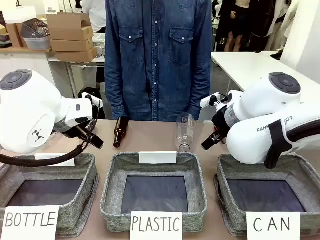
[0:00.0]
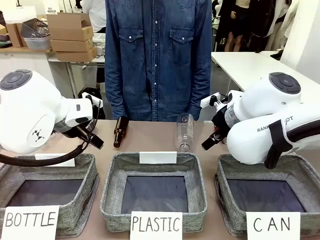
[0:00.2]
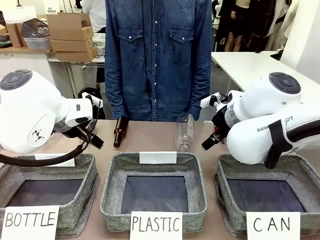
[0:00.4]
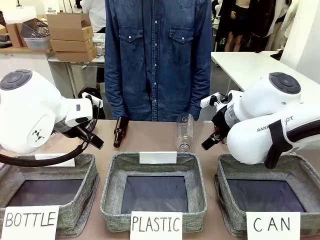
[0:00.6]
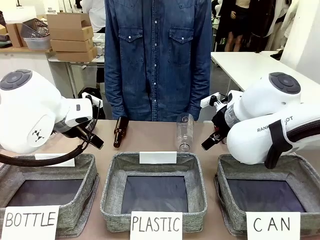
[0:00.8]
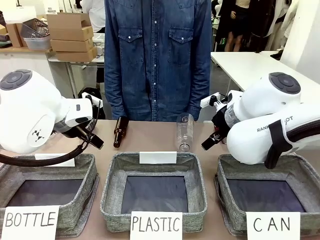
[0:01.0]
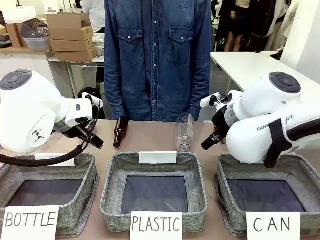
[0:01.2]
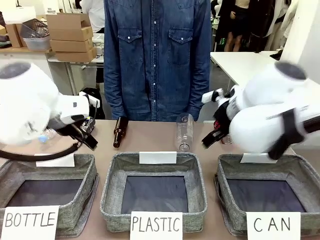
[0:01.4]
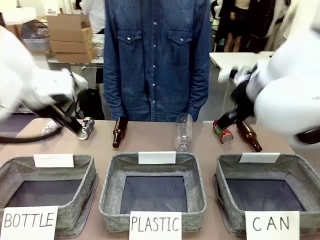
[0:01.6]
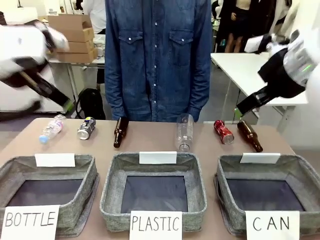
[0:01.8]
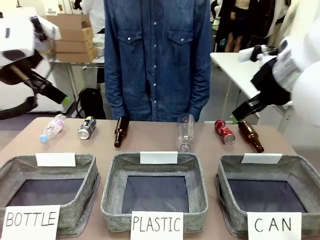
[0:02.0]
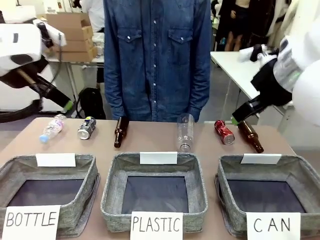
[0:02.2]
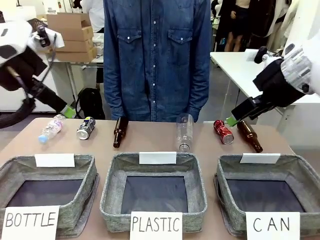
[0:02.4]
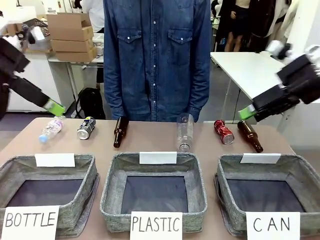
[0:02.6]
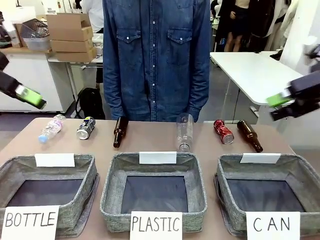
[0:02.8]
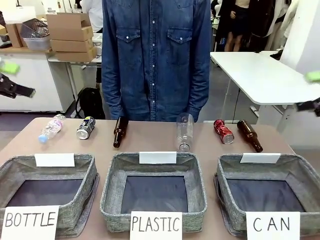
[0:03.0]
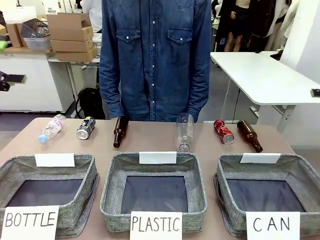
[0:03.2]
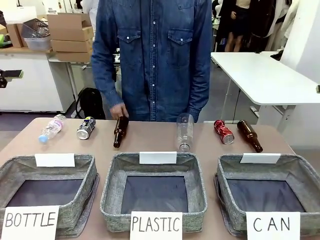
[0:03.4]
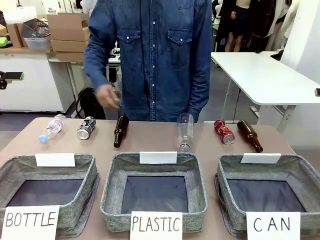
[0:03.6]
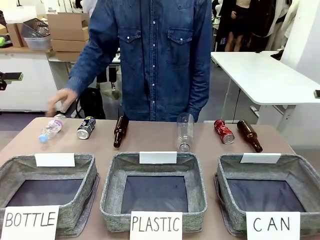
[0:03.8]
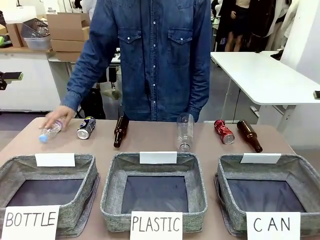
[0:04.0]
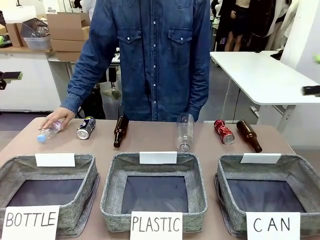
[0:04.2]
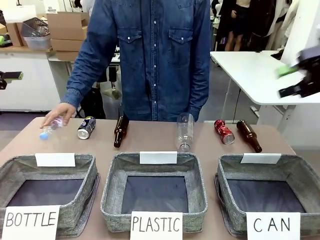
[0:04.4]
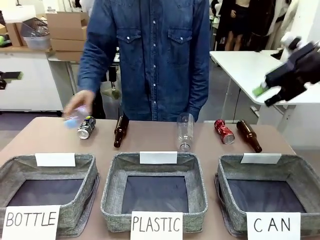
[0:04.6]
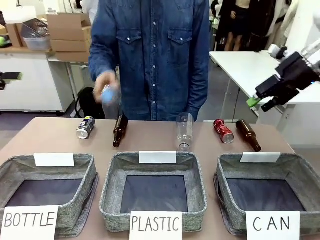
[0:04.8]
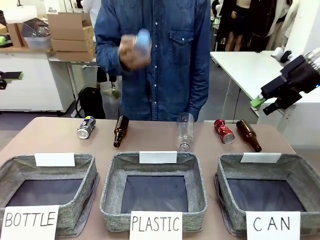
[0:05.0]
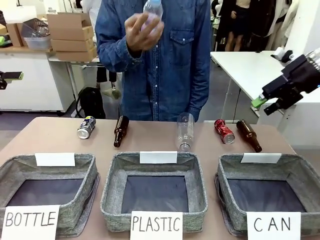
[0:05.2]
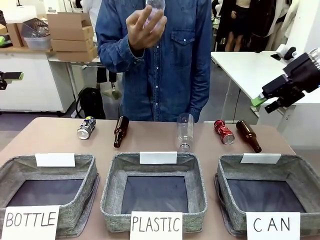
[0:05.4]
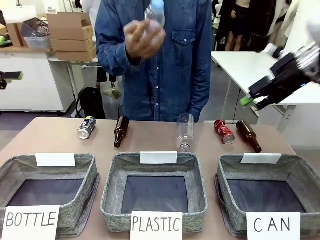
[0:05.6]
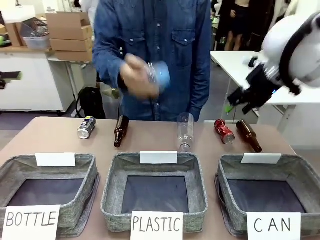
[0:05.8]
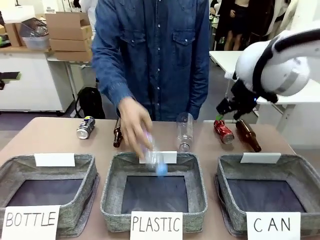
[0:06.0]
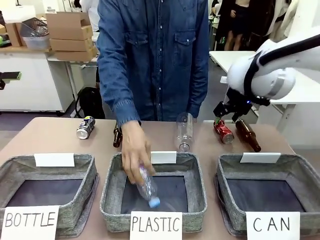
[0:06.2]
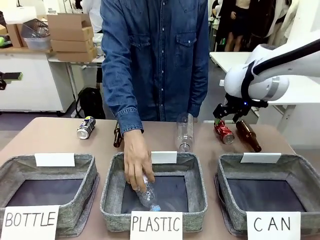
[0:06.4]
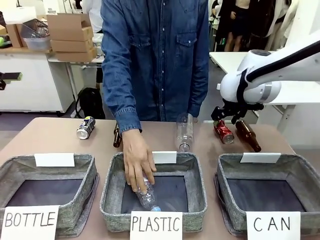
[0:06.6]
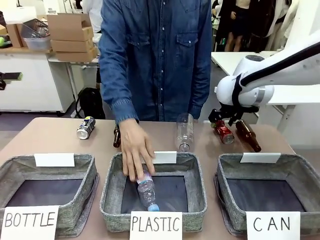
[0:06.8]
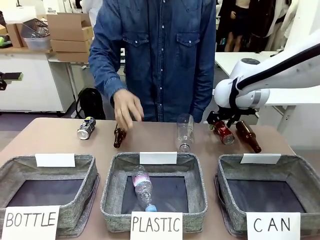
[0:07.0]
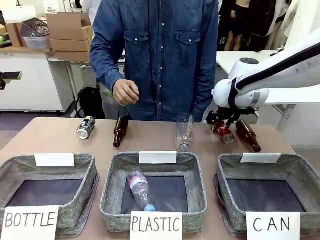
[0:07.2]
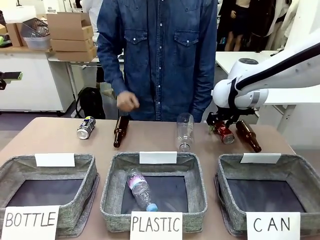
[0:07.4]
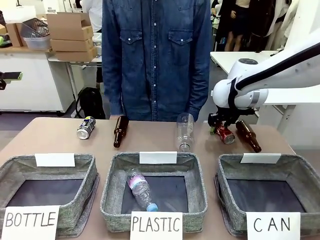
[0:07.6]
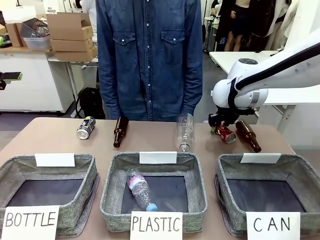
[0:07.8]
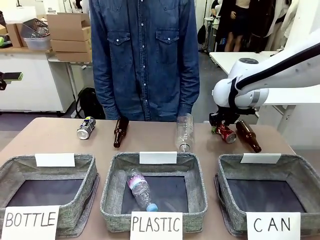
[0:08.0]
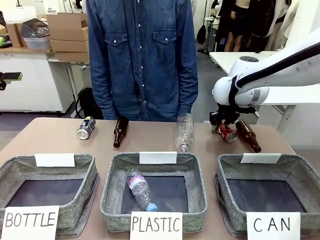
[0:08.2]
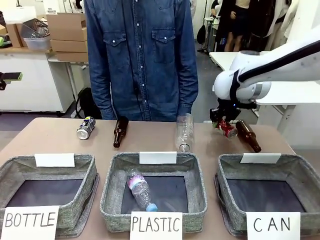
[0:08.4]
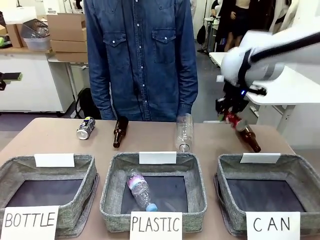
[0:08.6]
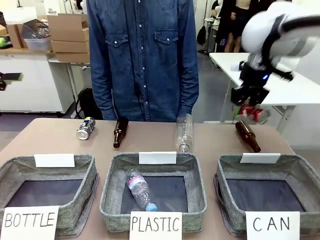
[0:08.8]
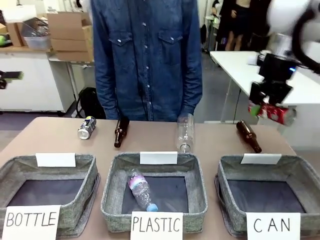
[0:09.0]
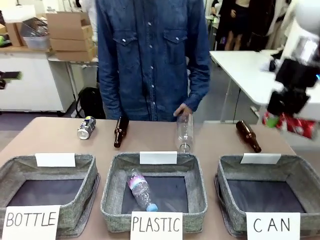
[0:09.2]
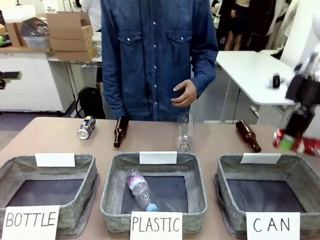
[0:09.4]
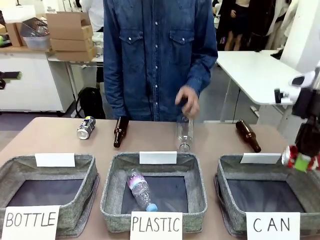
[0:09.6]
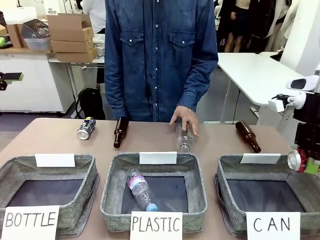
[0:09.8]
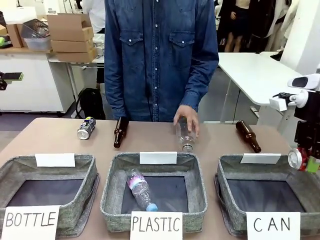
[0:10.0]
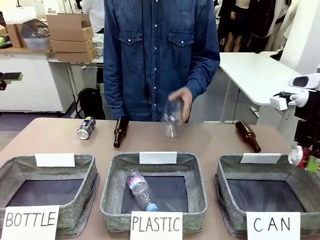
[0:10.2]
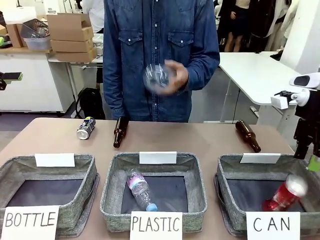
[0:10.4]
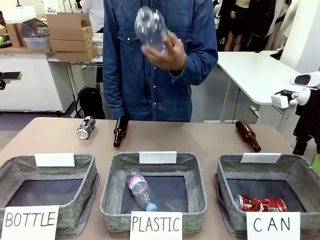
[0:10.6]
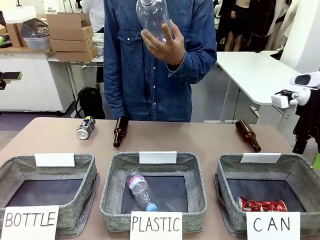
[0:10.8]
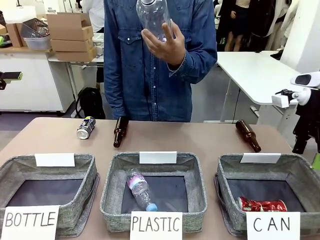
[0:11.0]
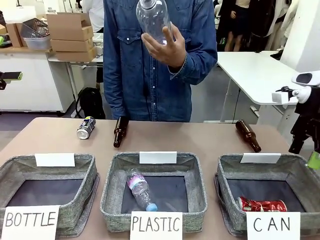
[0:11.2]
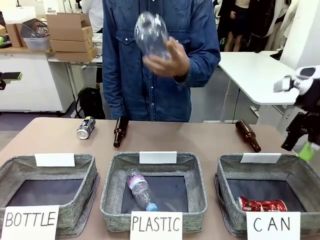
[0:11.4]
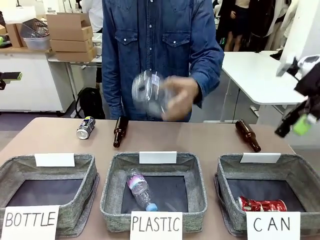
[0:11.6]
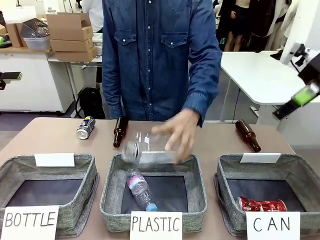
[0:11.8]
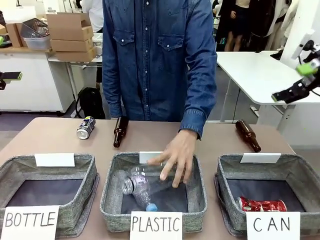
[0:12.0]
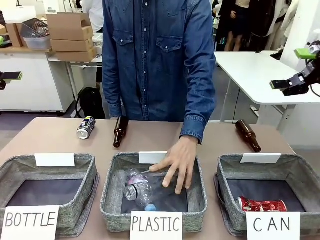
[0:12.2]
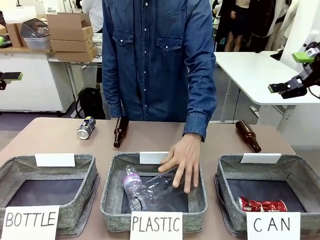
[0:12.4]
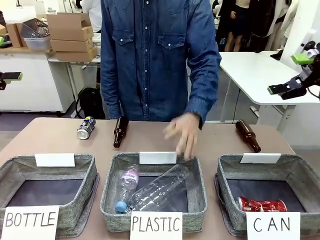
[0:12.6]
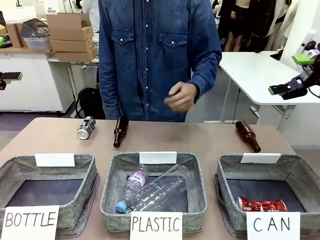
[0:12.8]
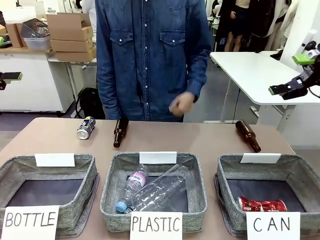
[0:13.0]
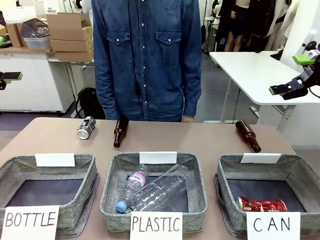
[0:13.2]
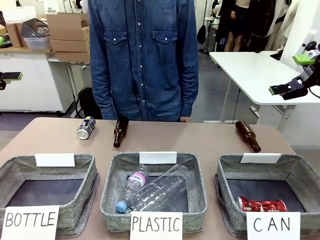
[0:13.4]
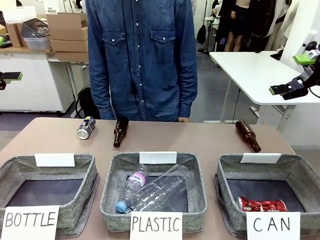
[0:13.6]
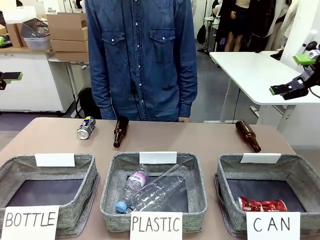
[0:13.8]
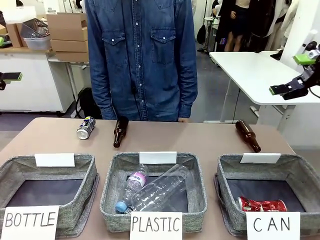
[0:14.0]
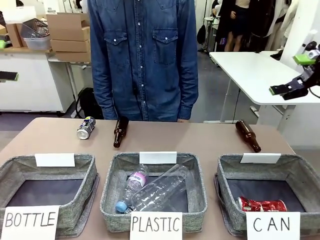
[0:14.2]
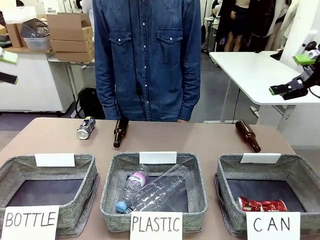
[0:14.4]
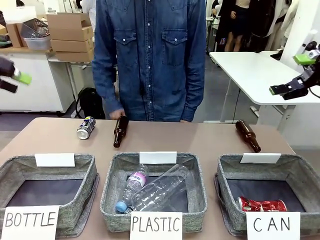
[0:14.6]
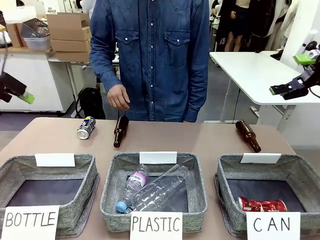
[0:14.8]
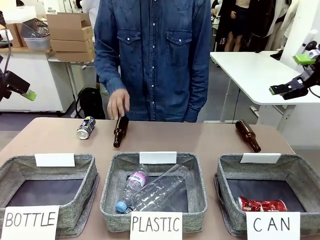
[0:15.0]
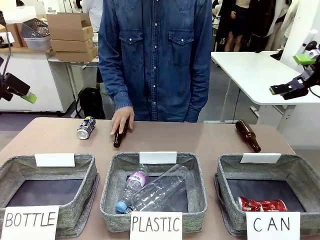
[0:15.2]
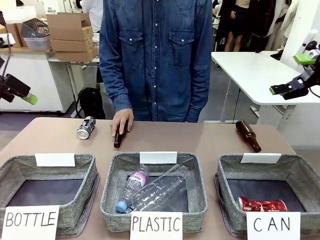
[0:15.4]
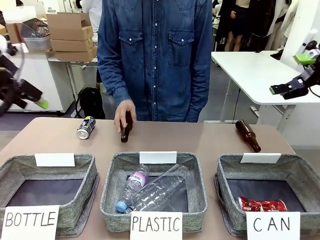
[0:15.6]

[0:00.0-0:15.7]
Task: Sort the can waste into the basket.
Robot: Pick up the can waste from the table and place it in the right Fabric basket.
